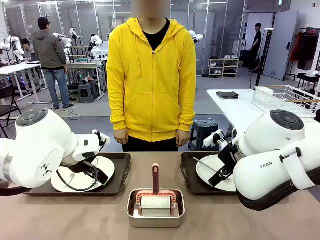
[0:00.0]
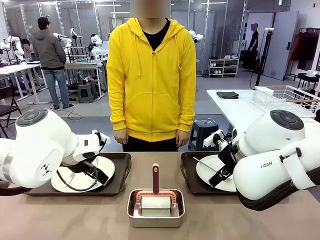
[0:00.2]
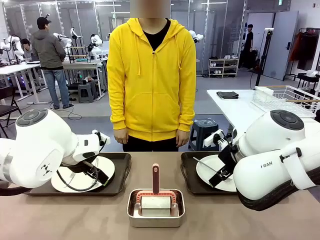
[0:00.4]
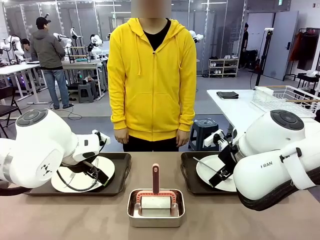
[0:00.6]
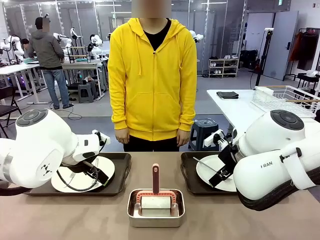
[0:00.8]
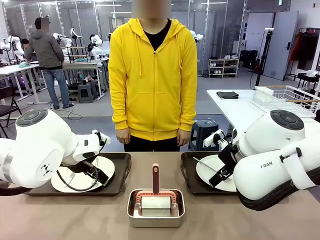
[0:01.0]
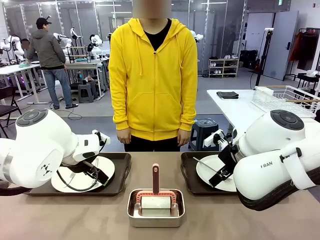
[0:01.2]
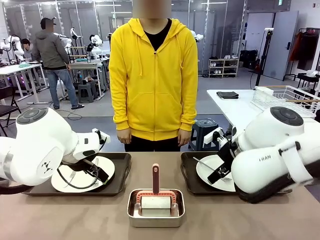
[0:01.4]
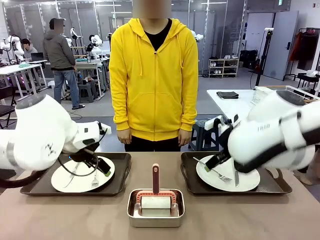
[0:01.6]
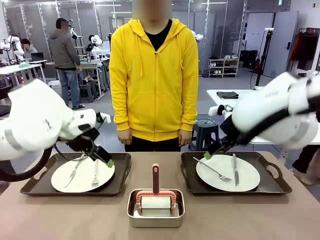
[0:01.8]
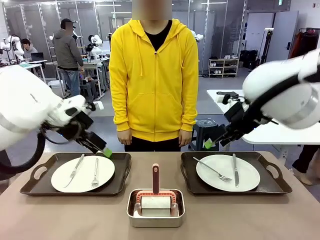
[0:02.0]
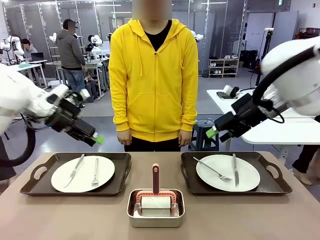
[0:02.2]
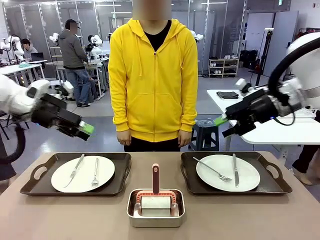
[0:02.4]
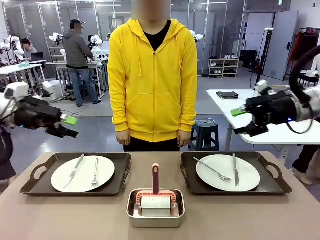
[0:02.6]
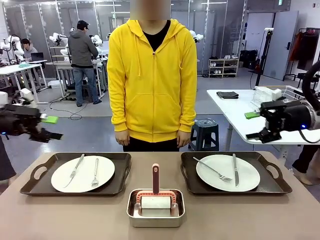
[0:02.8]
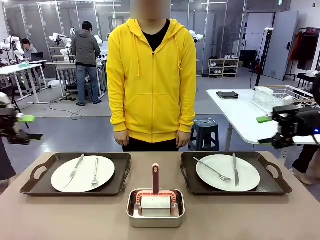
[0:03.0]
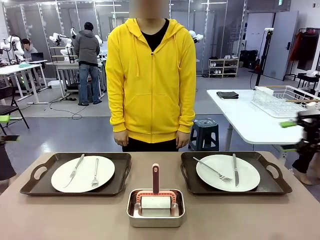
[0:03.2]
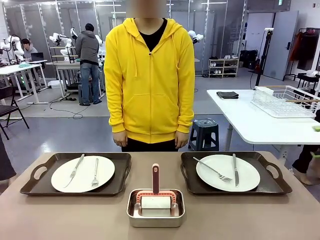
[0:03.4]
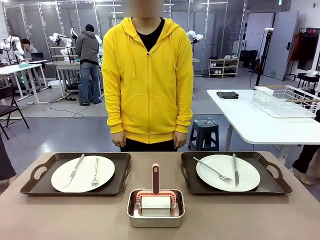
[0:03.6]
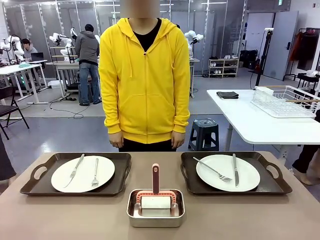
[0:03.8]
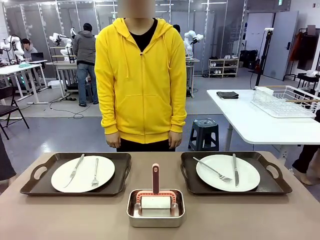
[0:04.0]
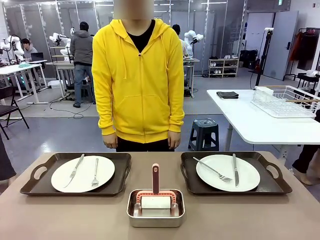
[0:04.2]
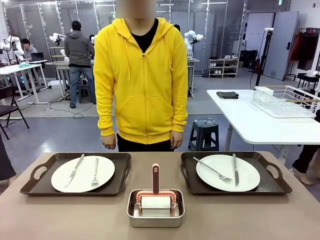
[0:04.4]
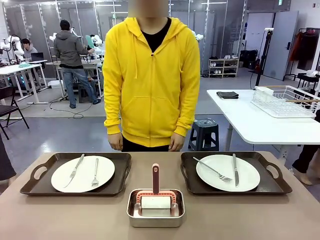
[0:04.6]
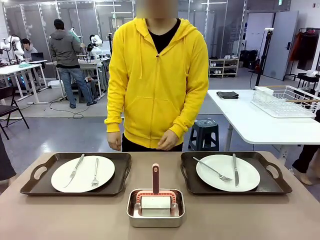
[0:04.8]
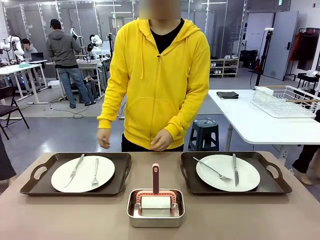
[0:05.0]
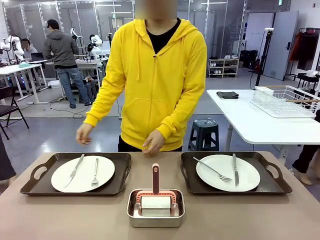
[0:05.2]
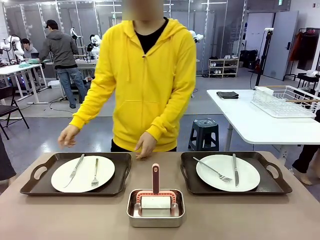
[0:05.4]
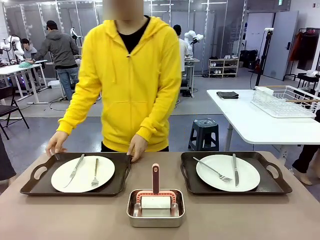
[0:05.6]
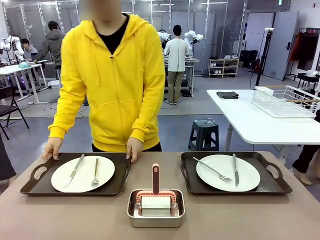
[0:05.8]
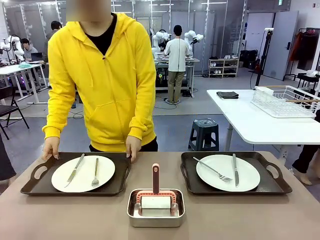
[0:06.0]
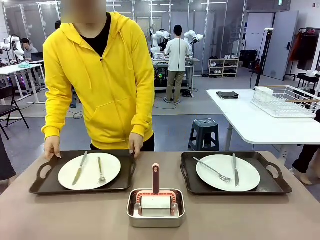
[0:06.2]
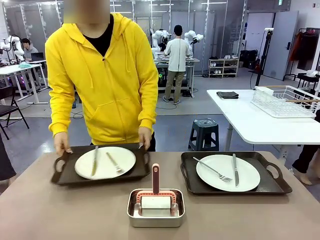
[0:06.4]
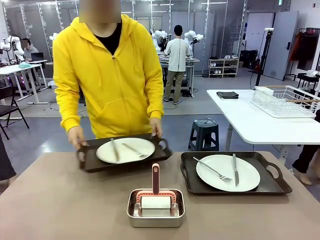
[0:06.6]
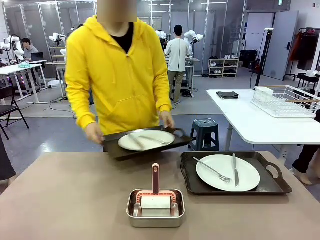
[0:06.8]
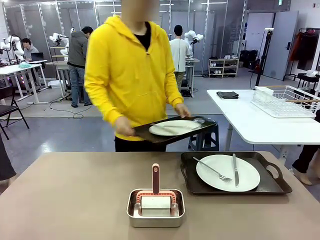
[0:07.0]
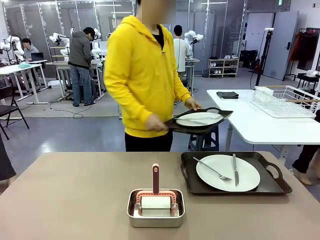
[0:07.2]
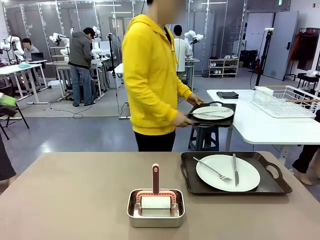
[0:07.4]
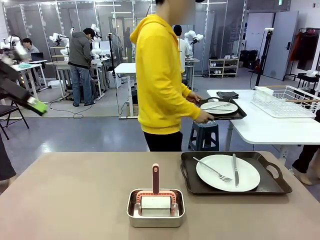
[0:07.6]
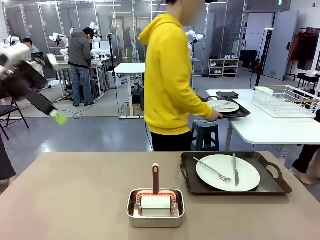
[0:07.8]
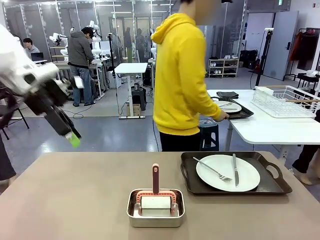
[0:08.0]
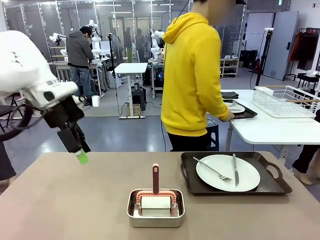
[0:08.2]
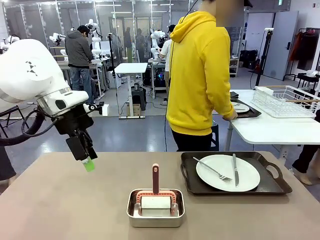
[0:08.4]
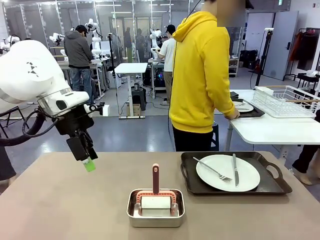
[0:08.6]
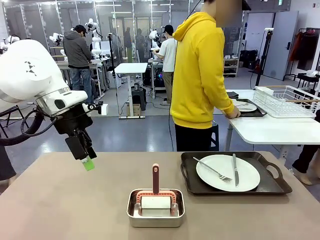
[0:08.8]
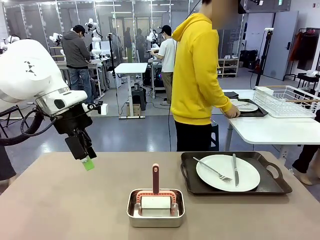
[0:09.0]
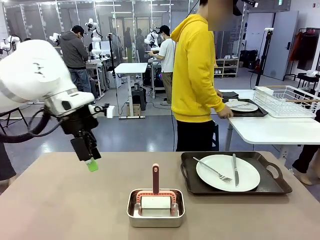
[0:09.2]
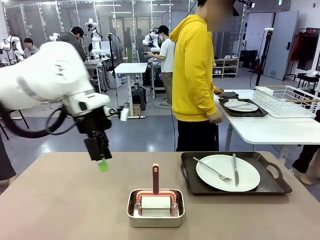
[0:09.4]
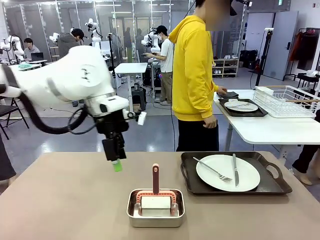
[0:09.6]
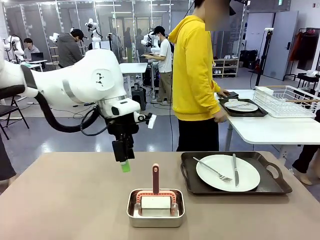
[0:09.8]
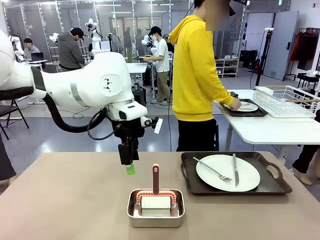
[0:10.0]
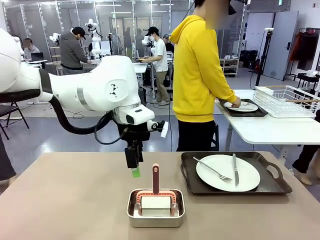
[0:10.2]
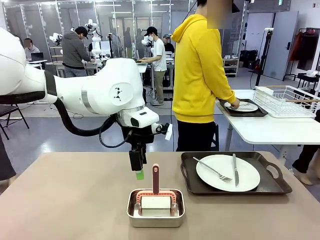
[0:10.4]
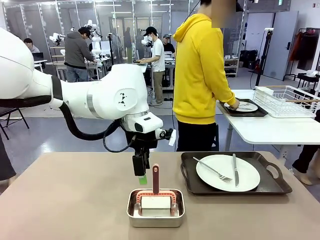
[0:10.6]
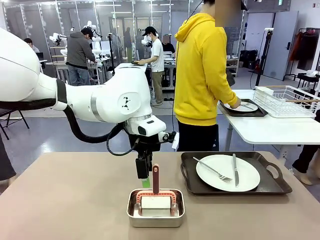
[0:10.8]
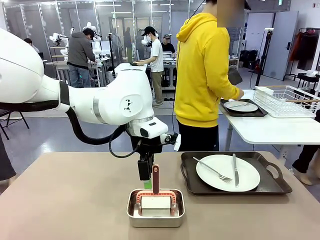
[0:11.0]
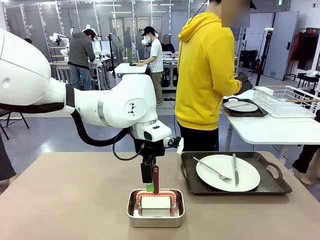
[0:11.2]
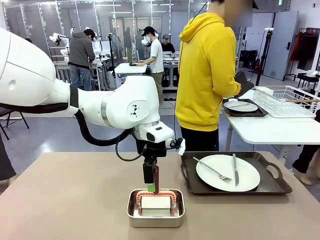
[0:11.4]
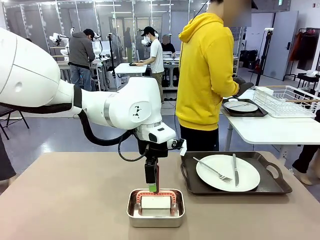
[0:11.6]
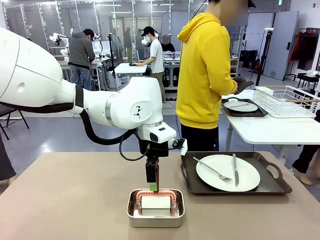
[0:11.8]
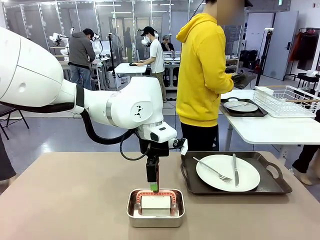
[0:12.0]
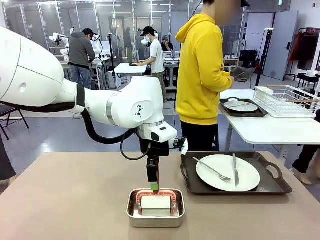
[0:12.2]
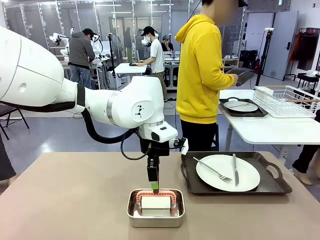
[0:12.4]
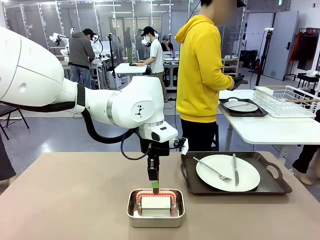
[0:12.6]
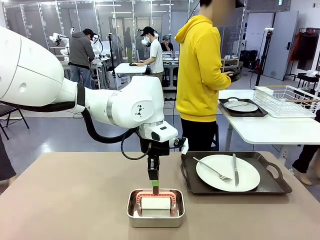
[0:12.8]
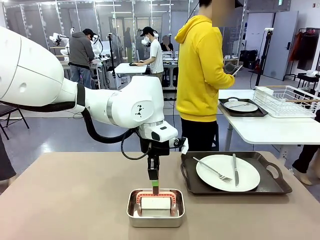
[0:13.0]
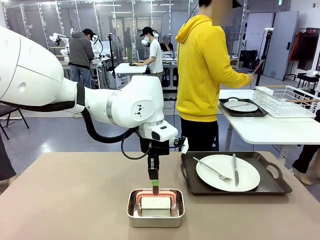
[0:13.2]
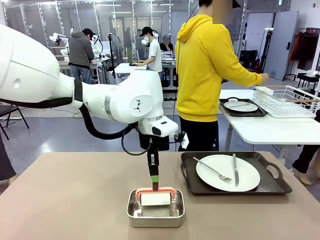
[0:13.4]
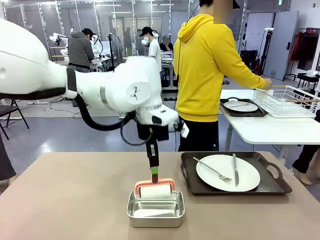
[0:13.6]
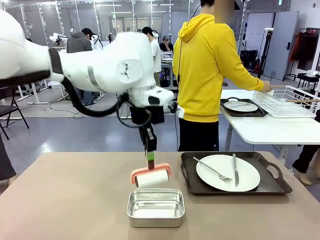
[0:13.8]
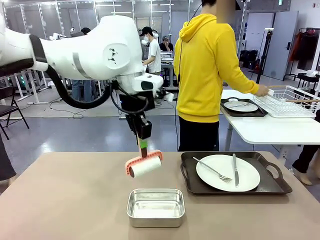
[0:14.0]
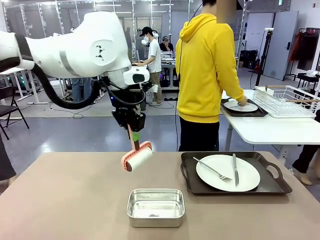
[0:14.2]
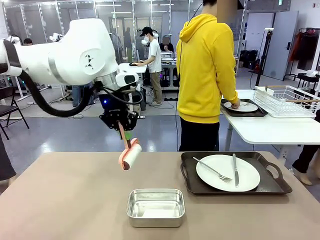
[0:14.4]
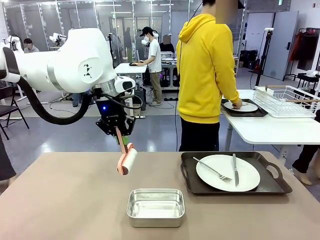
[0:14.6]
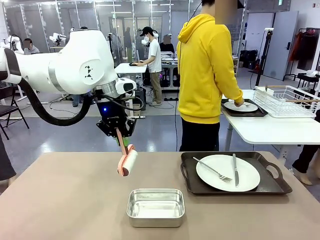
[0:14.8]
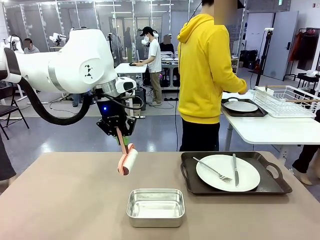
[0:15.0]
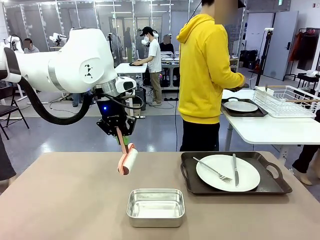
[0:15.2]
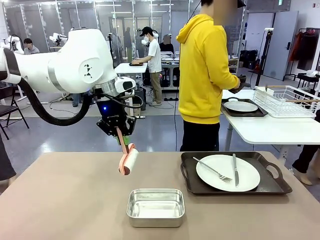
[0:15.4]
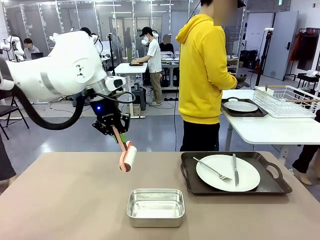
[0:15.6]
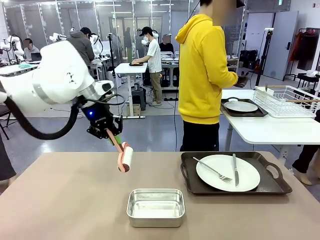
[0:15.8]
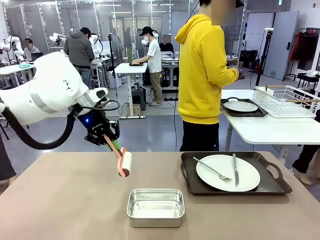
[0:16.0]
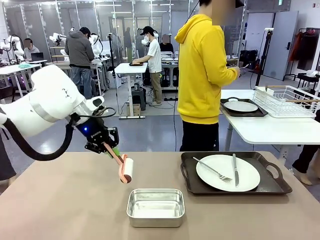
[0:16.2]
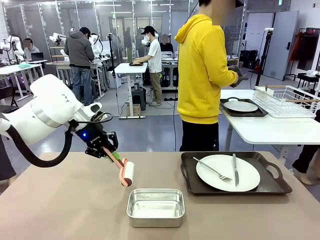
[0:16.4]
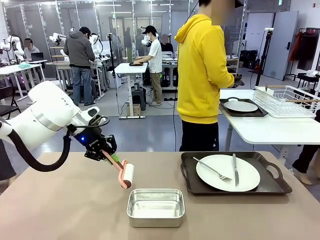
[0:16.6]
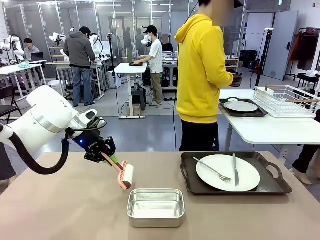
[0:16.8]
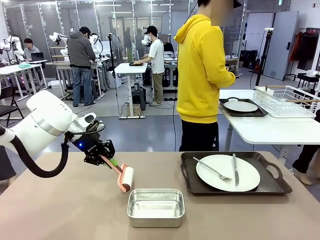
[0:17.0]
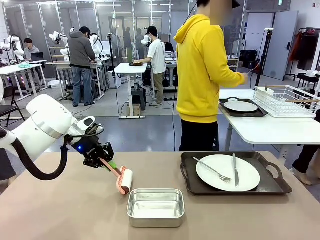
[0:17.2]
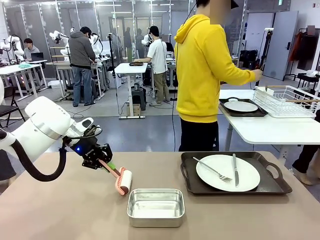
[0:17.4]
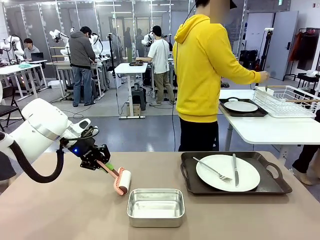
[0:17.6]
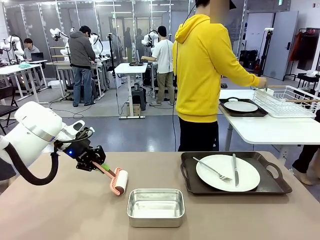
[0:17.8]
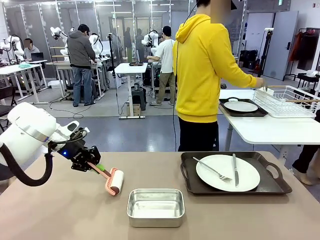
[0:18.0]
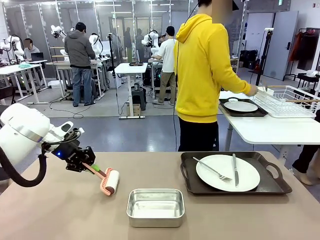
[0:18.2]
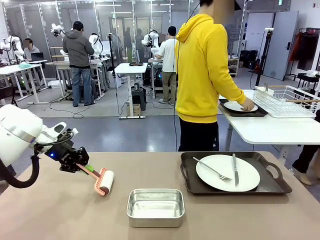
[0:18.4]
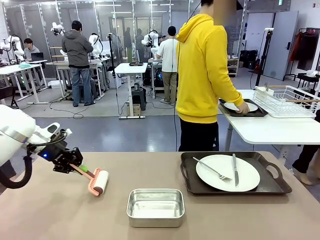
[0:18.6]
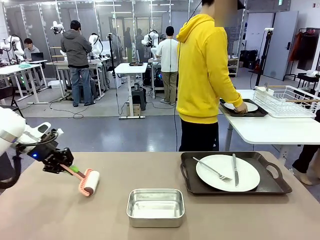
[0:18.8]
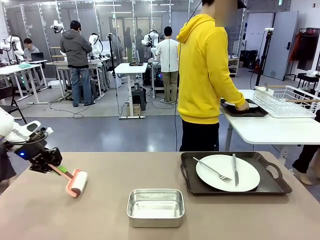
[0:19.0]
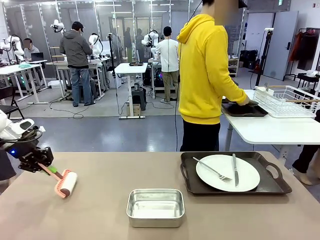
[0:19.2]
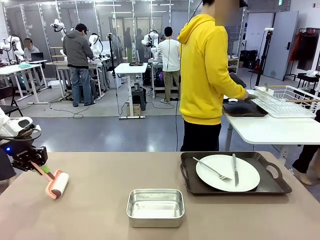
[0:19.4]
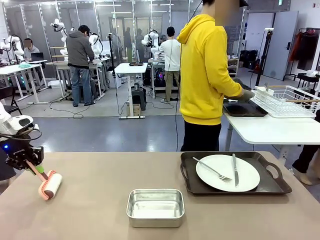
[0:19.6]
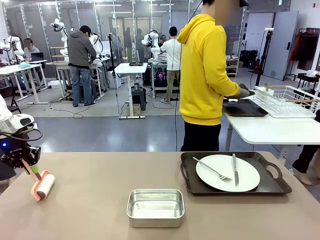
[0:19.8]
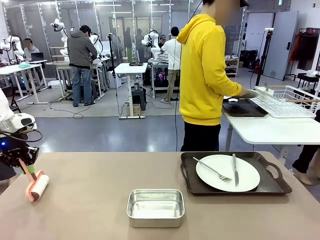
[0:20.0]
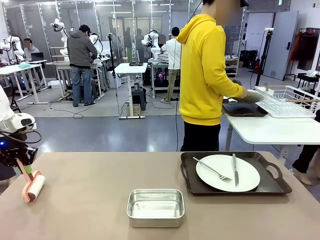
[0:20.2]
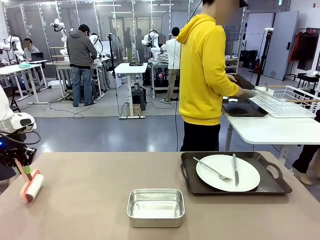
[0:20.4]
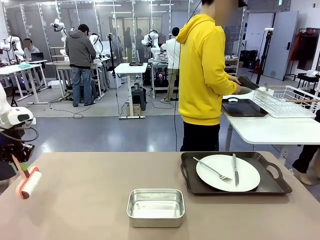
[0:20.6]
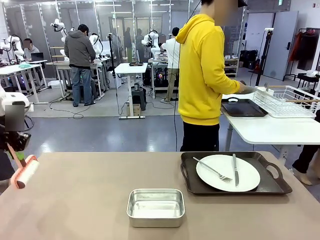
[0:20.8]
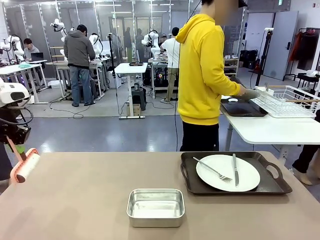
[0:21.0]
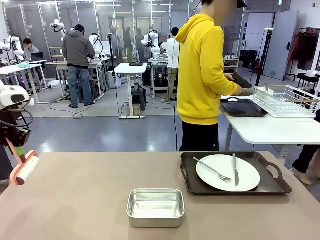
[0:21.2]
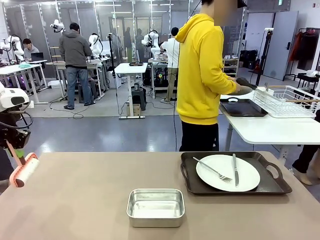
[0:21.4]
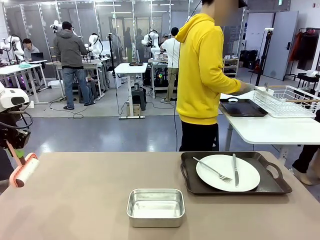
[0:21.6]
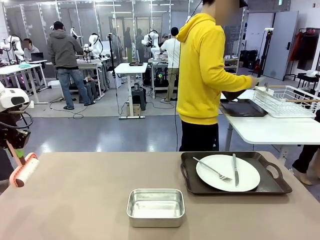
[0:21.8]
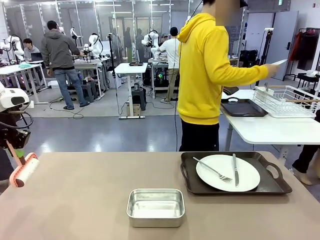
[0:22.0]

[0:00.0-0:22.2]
Robot: When the left (or right) Handle tray is removed, use the left hand (or right hand) to clean the left (or right) side of the table with the Lint Roller.
Person: Pick up the left (or right) Handle tray and place it on the middle of the Human's table. Use the Towel with hook to wipe the Plastic Matte Plate , Fork , and Knife and place into the Dish drying rack.
